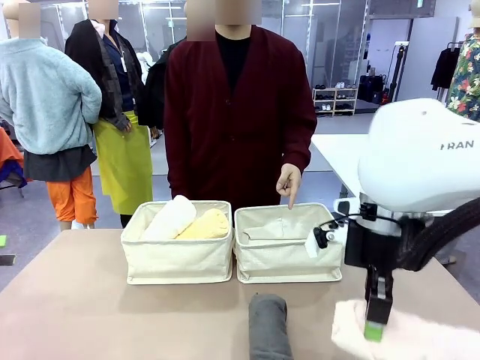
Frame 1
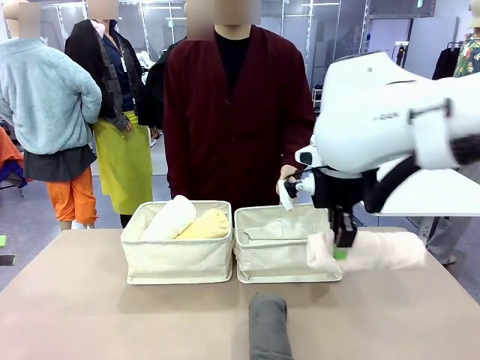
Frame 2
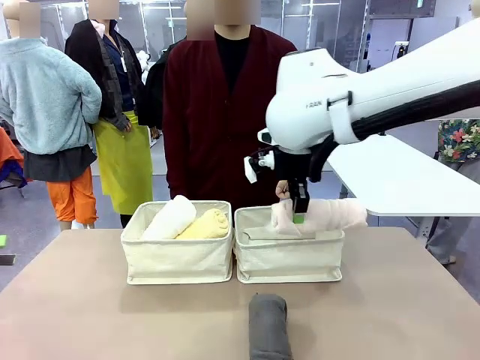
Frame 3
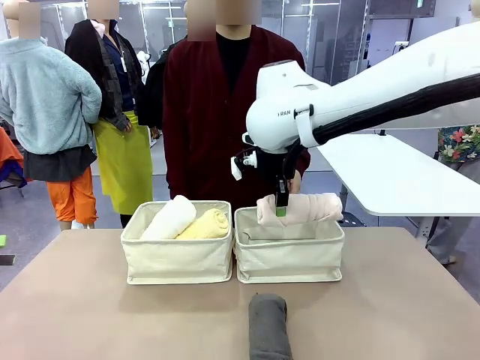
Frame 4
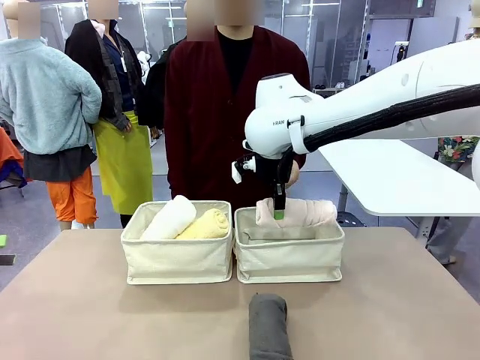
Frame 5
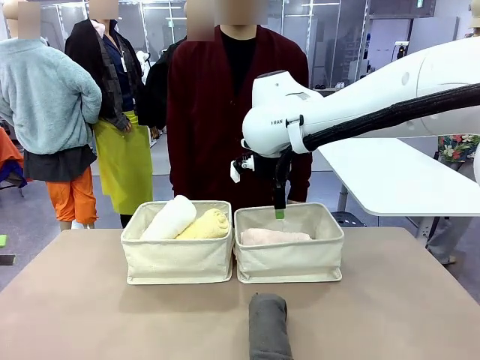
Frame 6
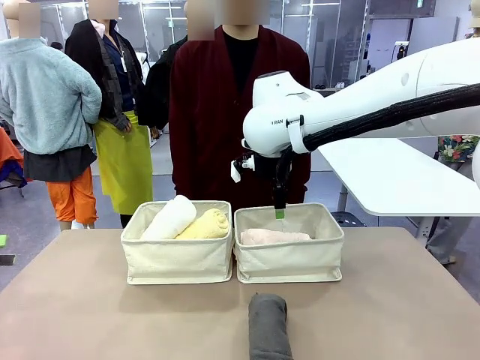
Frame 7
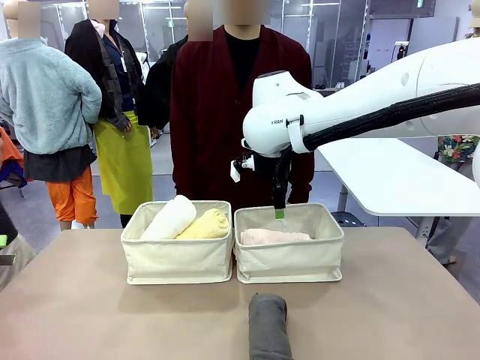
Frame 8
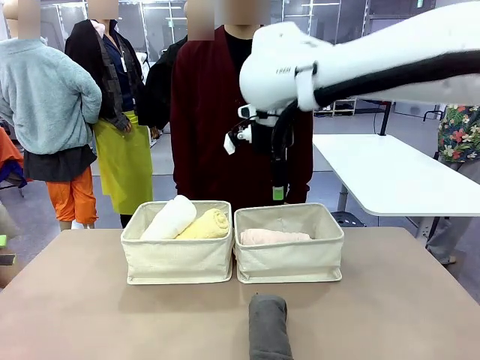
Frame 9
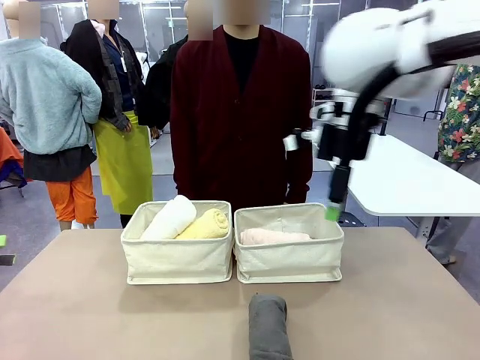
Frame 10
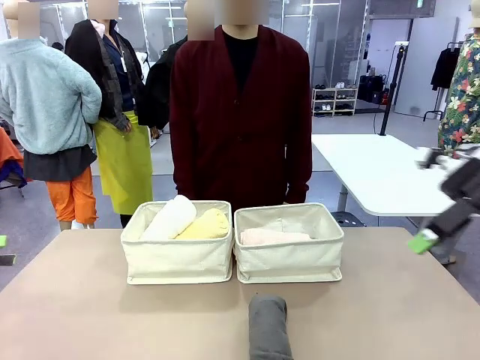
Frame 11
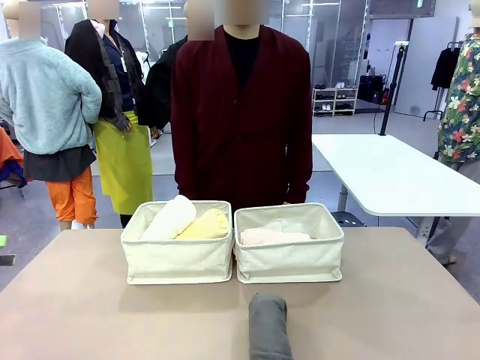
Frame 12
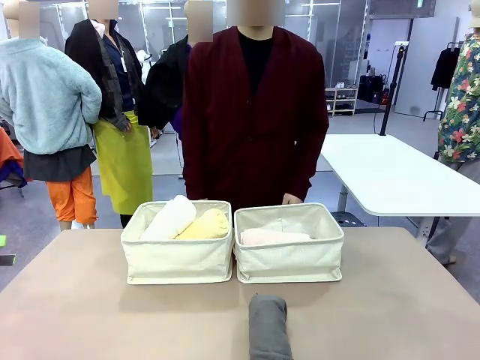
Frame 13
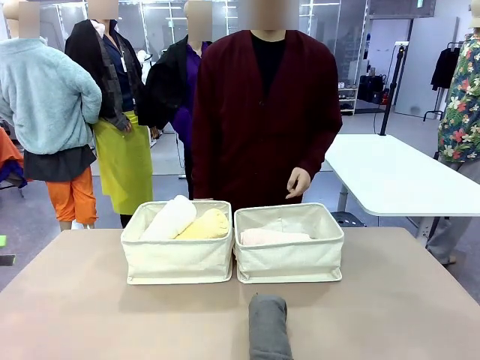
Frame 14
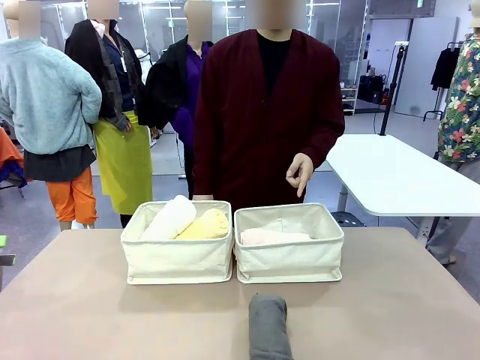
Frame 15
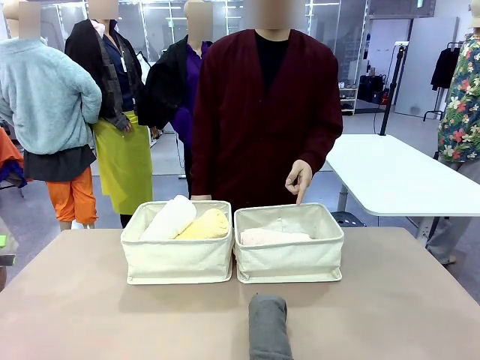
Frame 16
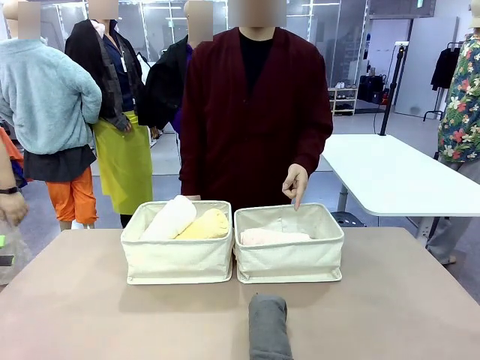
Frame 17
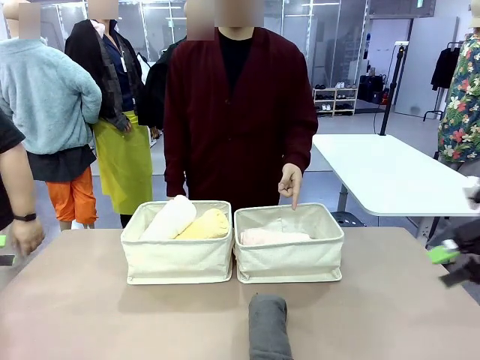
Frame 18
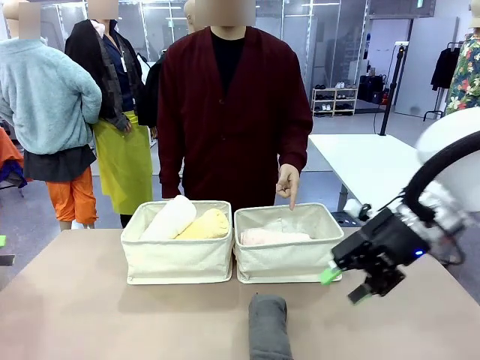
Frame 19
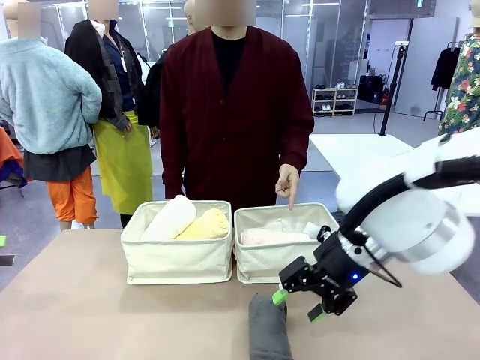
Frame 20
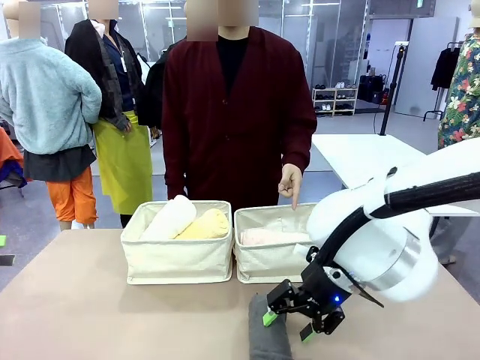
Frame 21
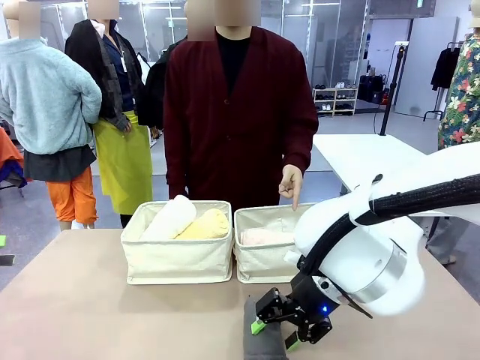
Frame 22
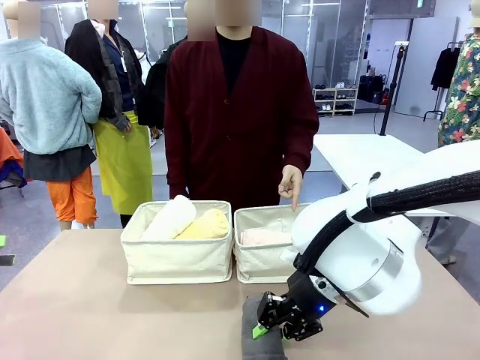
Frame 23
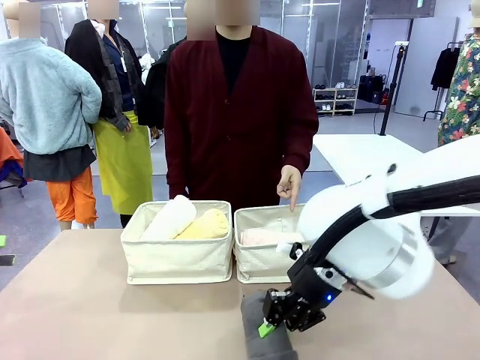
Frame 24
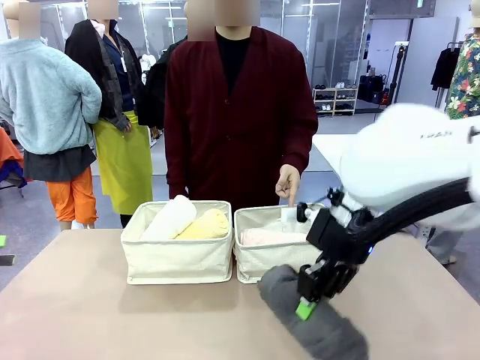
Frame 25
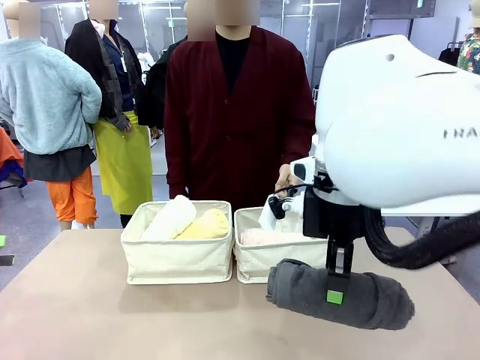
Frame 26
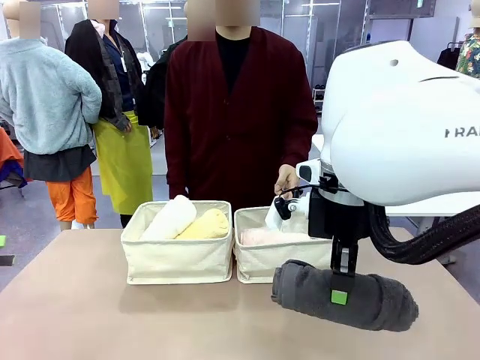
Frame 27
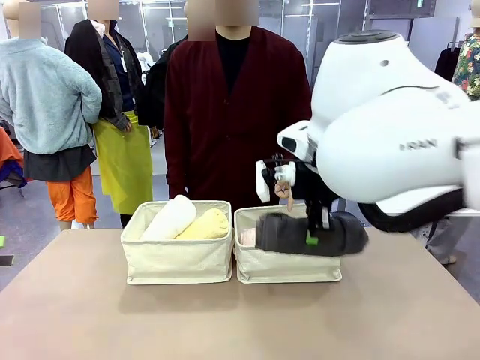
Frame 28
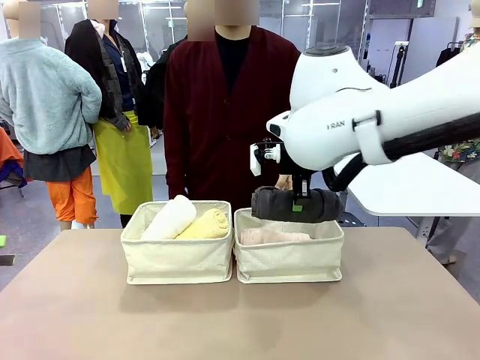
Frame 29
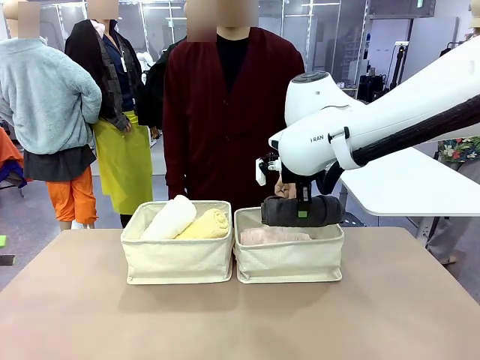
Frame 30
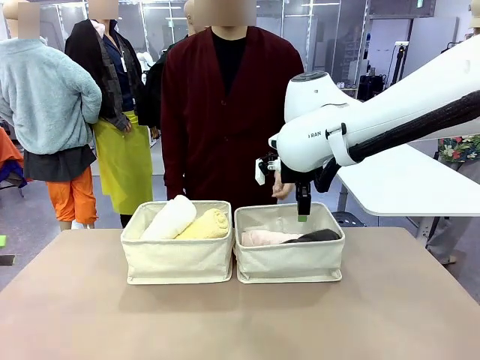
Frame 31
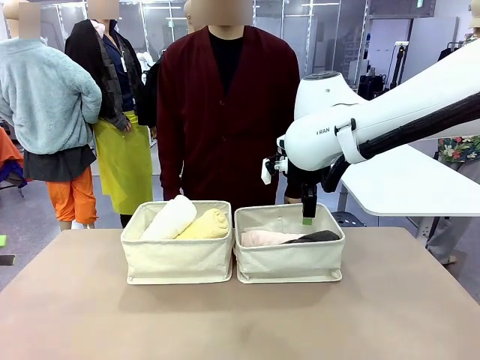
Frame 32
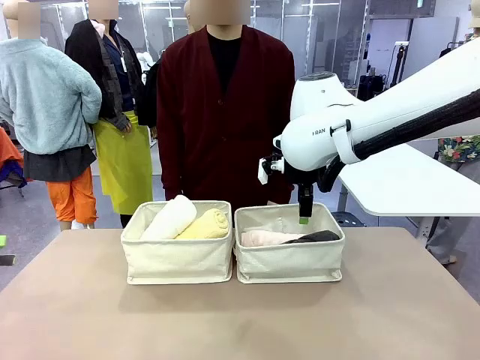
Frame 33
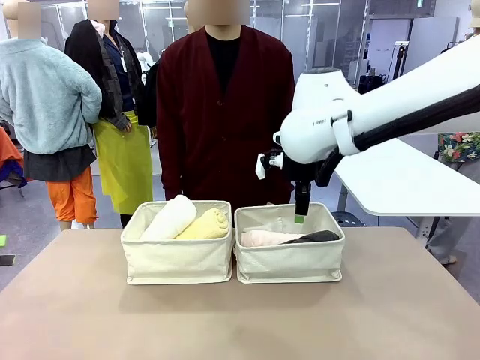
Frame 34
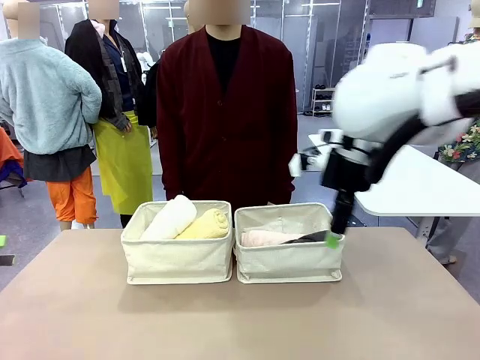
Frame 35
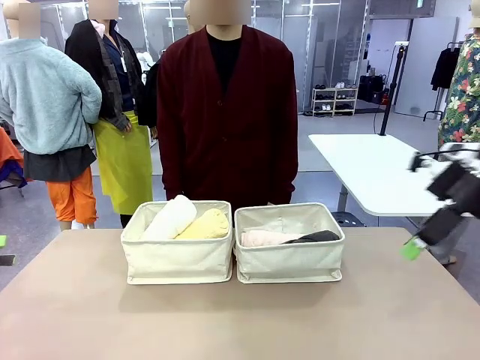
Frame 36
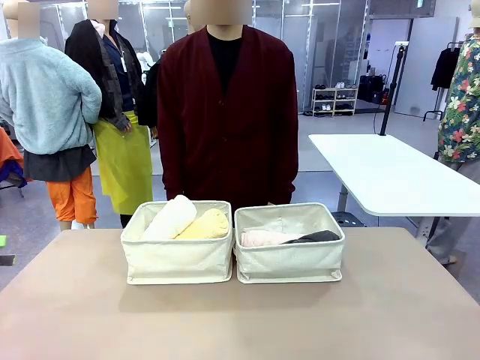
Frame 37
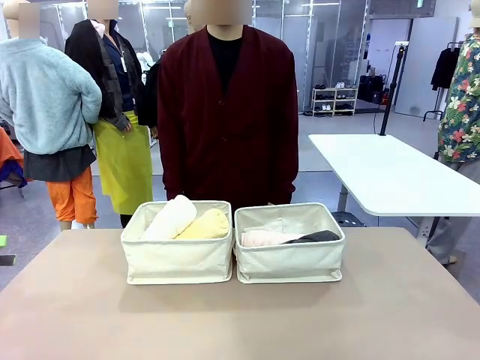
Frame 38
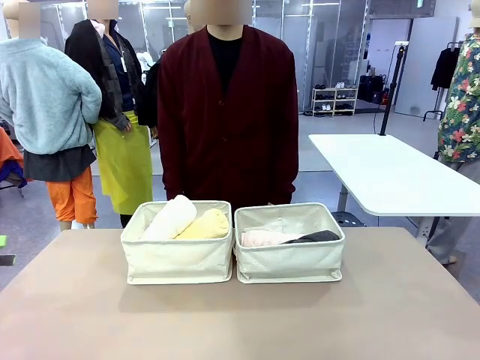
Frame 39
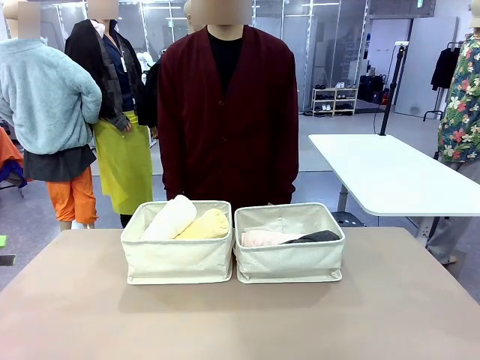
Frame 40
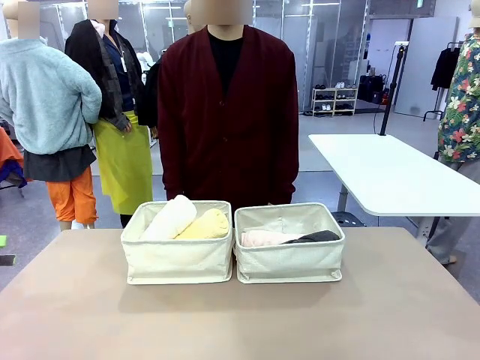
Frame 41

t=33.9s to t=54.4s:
Task: Divide the towels into two baskets.
Robot: Pick up one hotel-folded towel from the bottom of the table and place it in the Fabric basket indicated by the person.

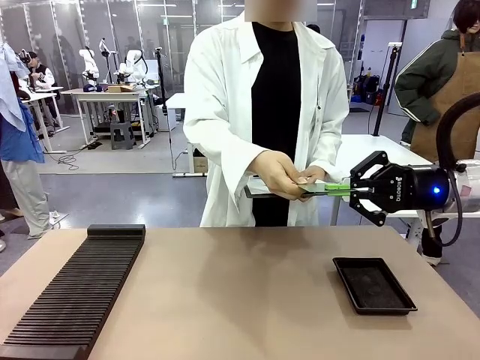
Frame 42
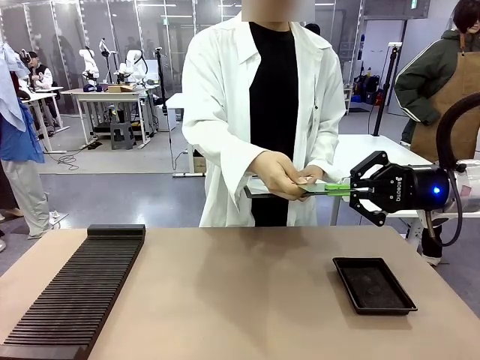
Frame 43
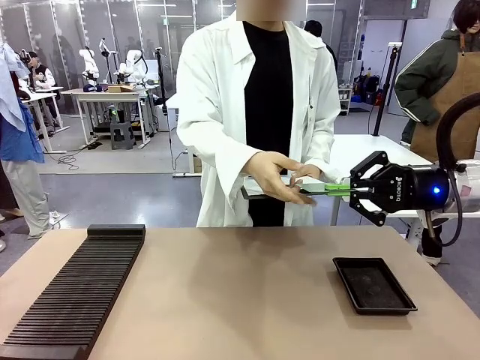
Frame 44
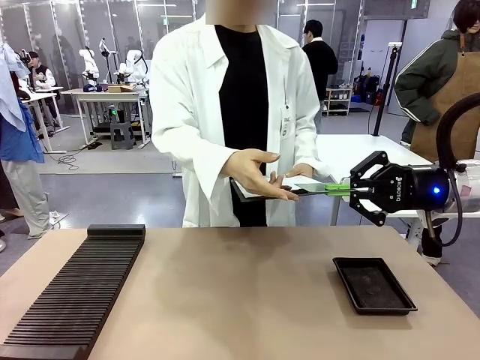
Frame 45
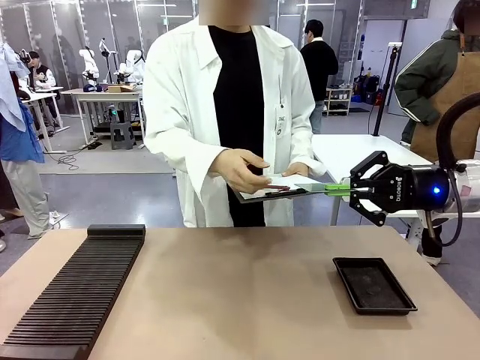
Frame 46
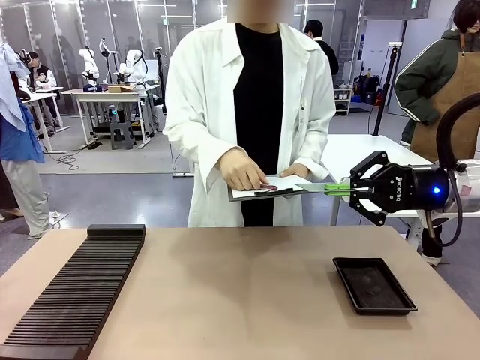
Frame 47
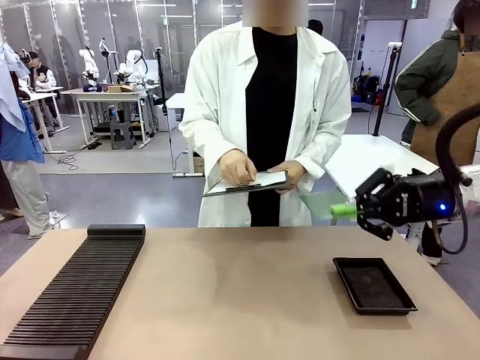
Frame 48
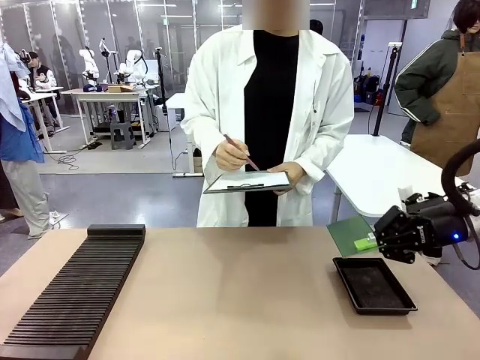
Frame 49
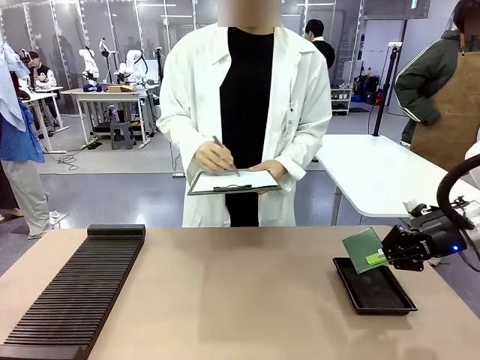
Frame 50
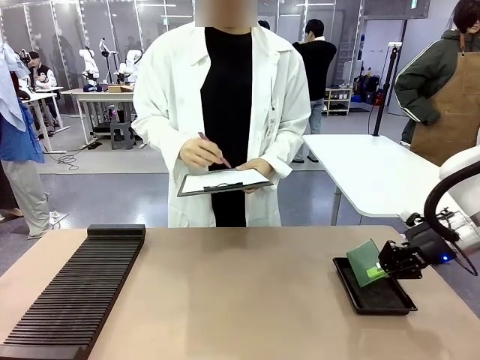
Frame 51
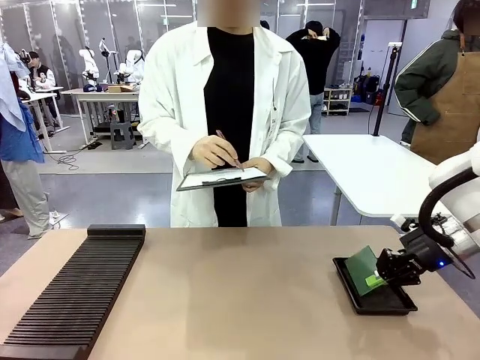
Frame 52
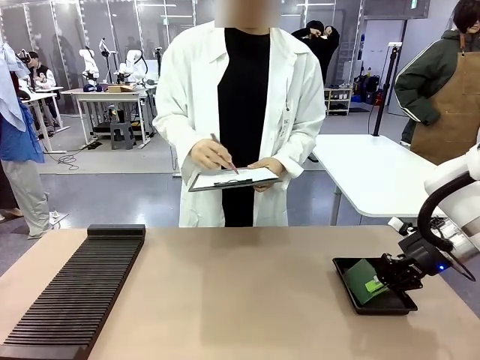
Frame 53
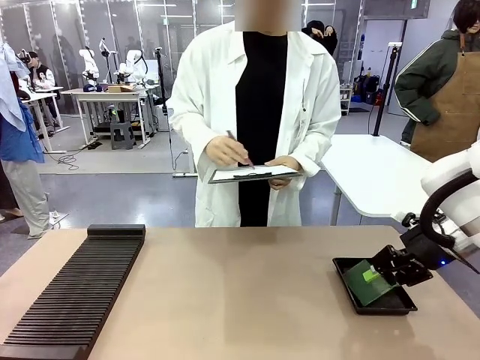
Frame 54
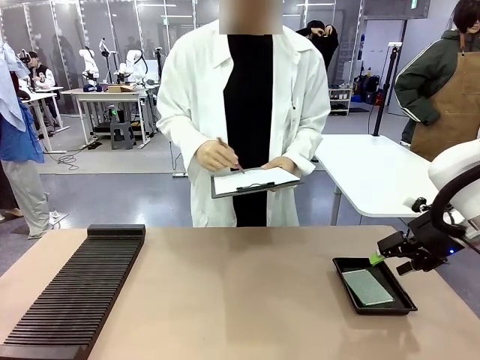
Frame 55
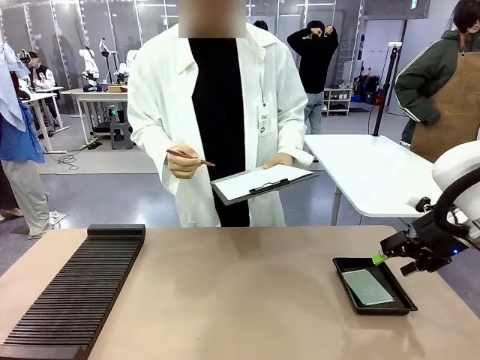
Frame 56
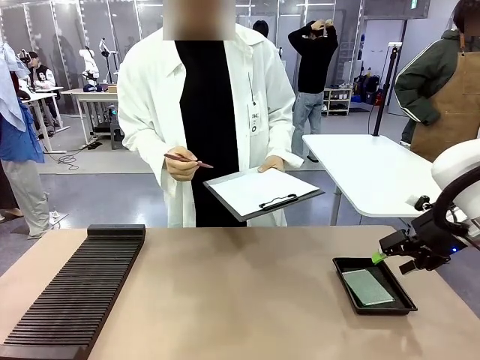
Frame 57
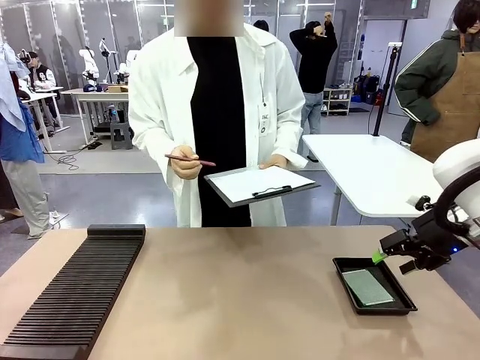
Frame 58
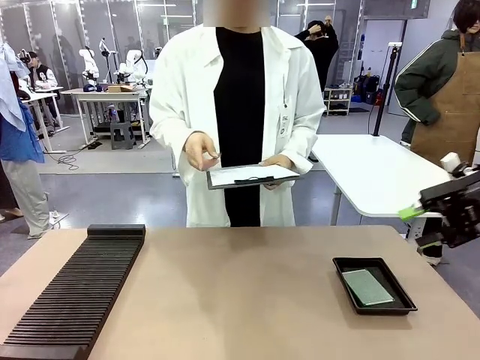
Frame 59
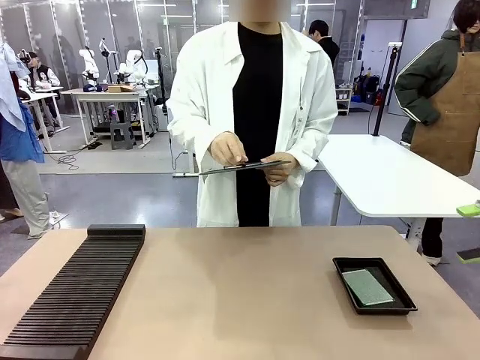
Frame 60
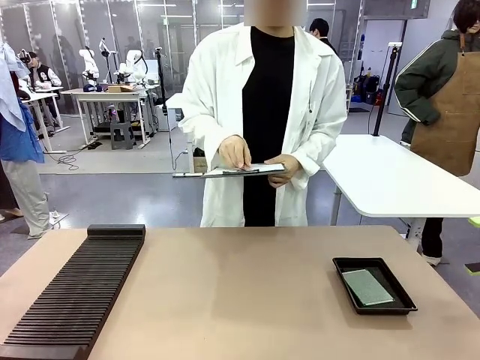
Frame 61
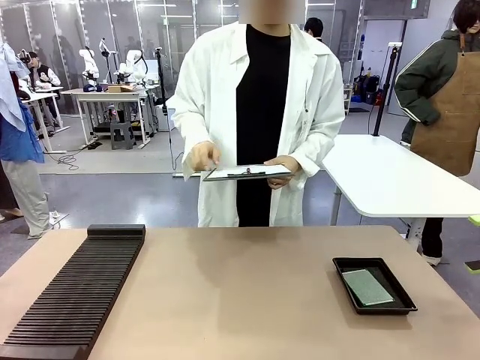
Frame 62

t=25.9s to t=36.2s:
Task: Inspect the PCB.
Robot: Place the Blank PCB in the ESD tray.
Person: Record the PCB status on the paper.
